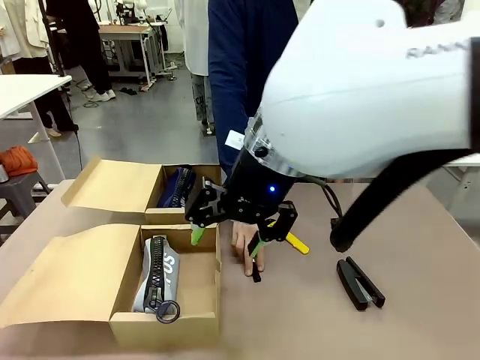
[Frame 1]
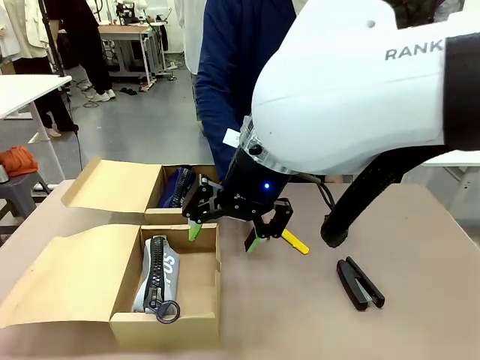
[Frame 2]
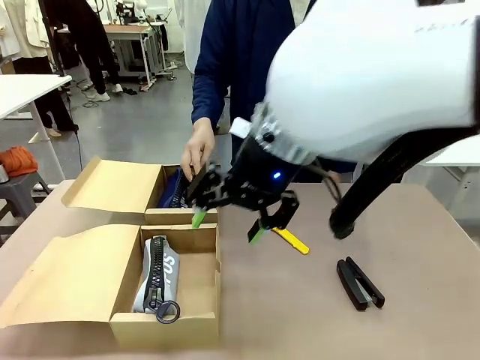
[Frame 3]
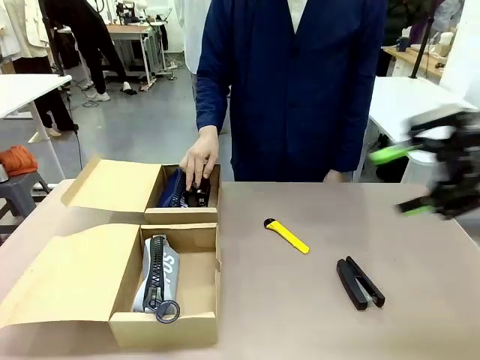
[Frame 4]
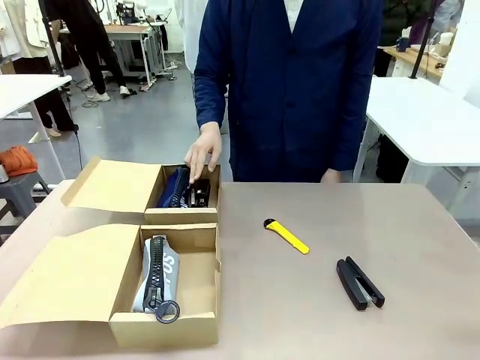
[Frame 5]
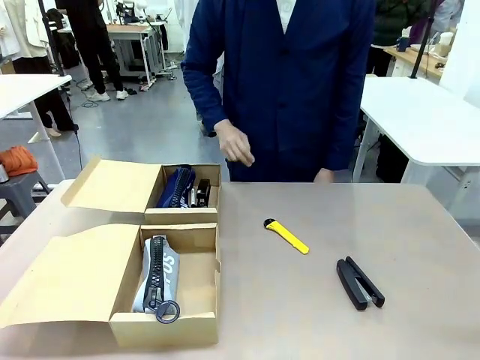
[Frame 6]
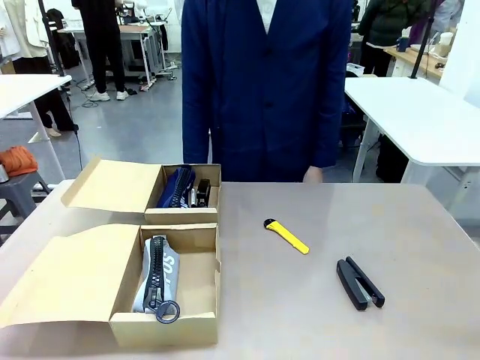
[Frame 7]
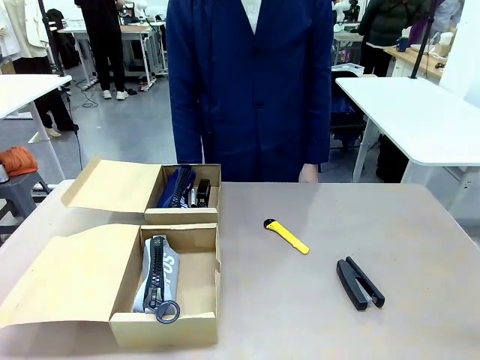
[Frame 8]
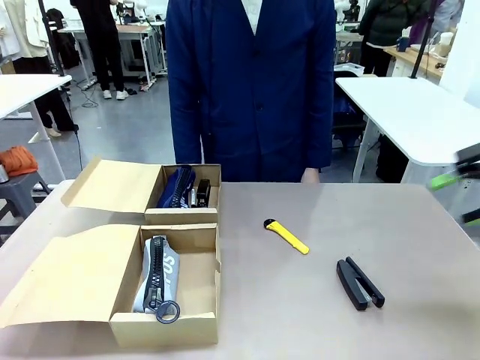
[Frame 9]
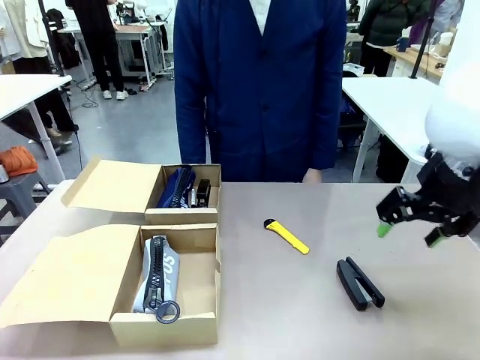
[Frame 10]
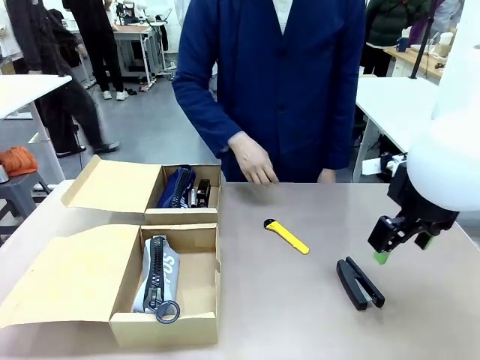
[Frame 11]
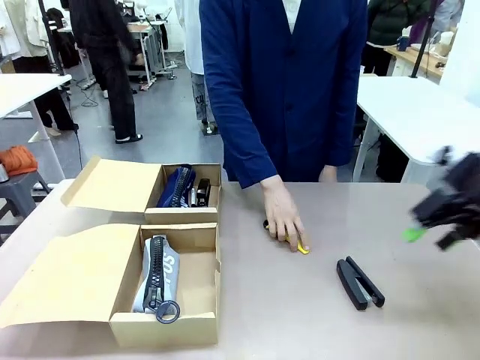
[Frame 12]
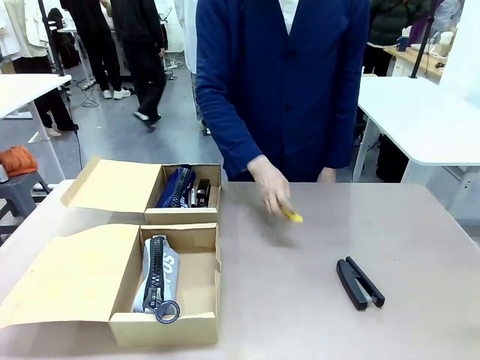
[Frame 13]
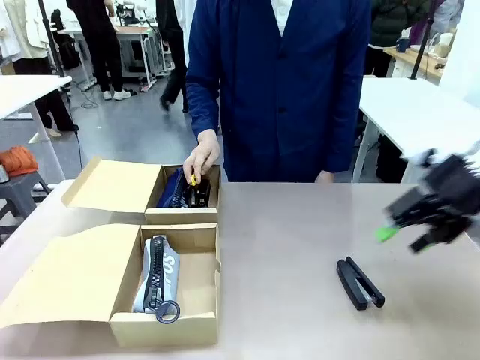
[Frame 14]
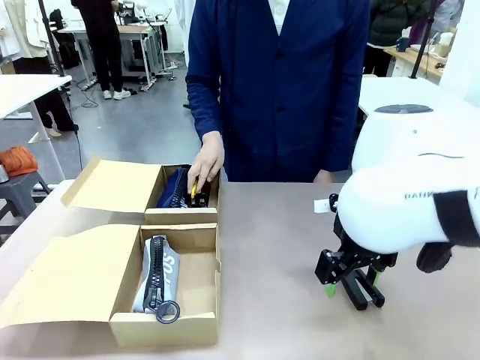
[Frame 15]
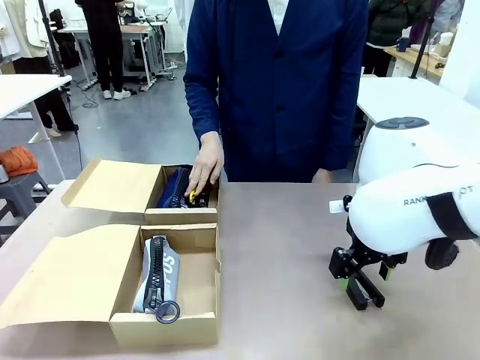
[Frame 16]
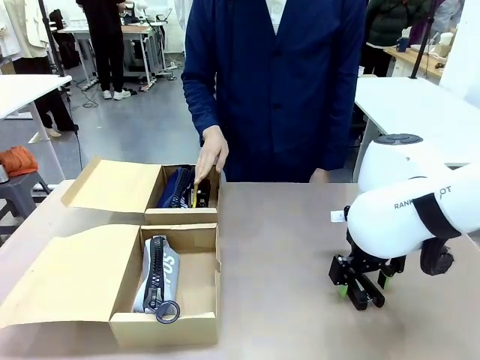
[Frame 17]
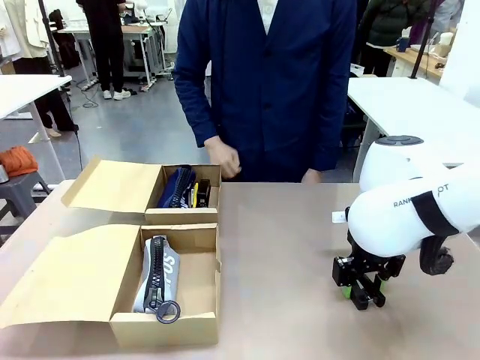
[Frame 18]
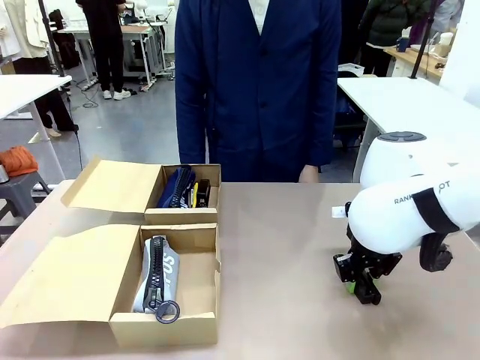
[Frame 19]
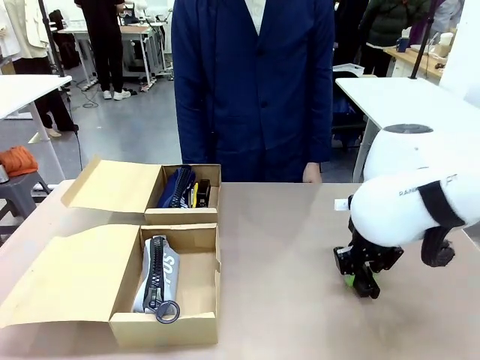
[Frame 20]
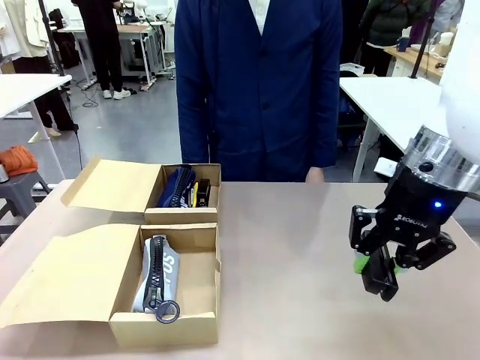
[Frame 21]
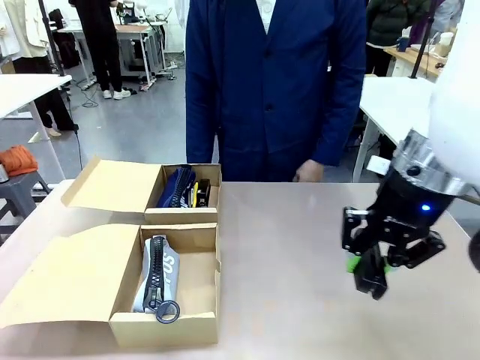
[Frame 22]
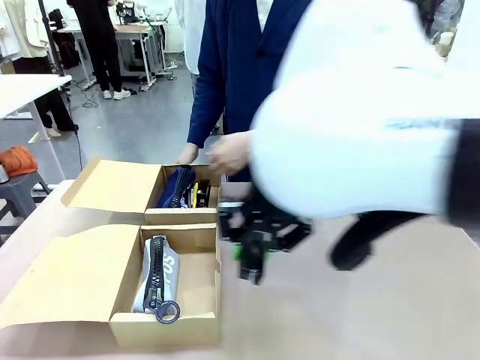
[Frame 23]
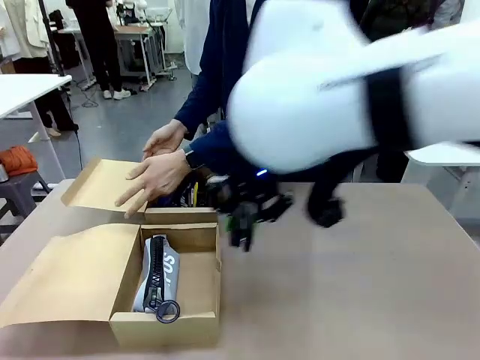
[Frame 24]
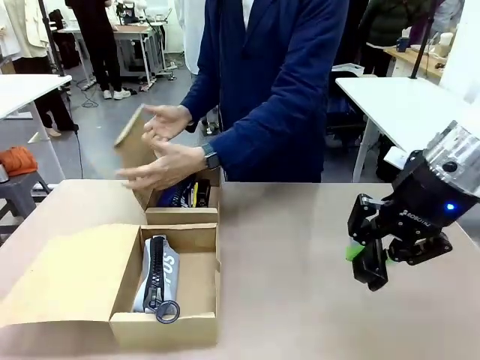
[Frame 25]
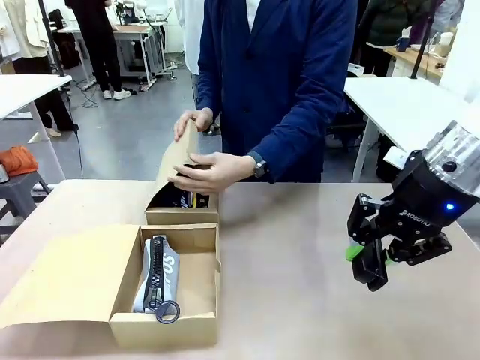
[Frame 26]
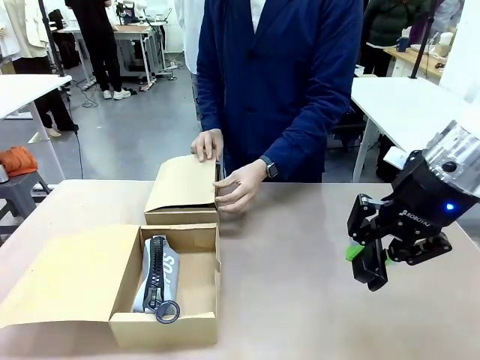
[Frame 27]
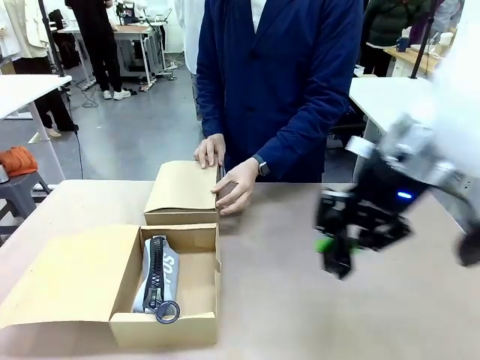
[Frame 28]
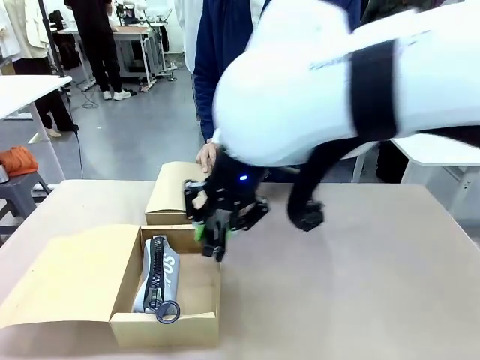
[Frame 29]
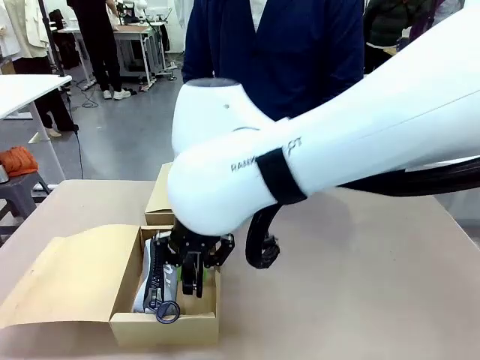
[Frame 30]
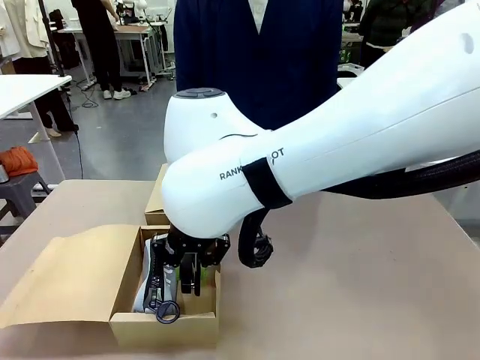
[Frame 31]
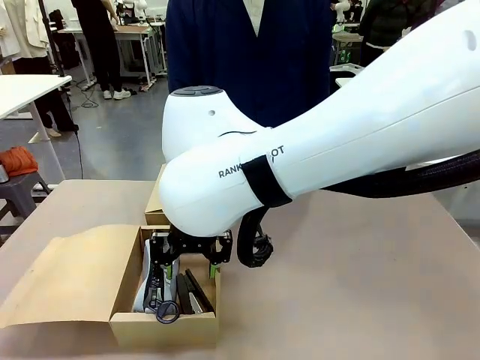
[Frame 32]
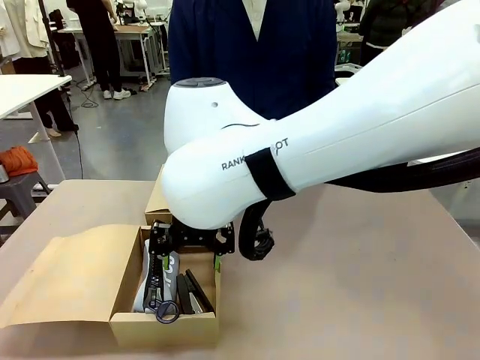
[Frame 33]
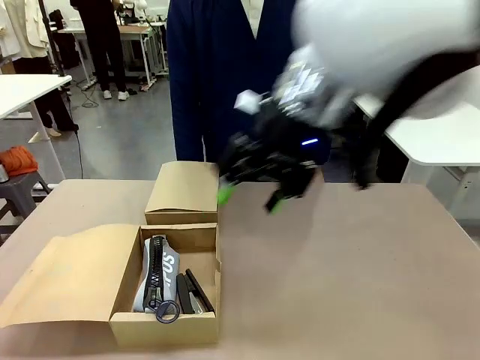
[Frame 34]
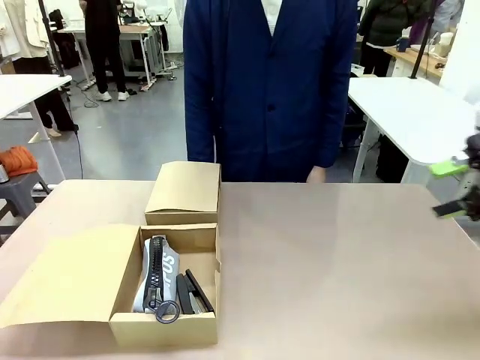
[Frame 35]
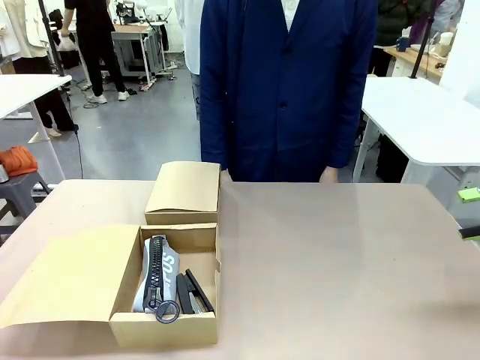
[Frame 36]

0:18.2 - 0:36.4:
Task: Place items inside the box.
Robot: Pick up a Pencil pouch or Stapler and place it inside the Mailer Box closest to the robot.

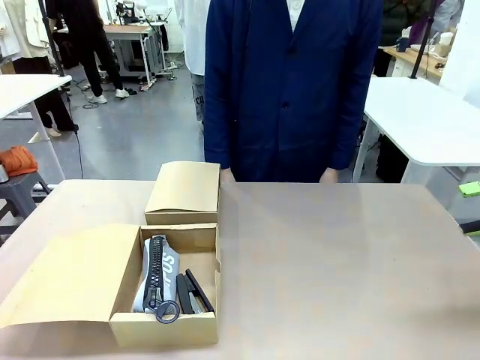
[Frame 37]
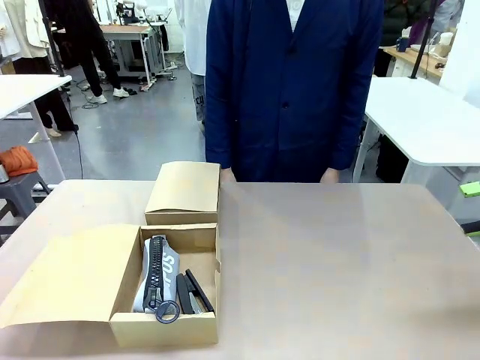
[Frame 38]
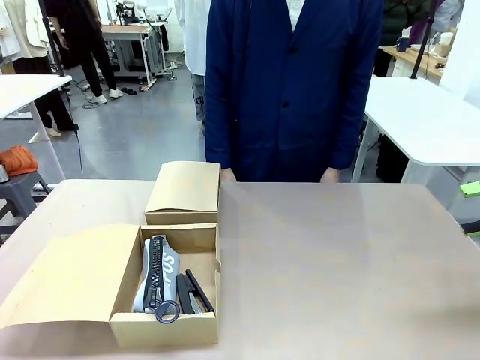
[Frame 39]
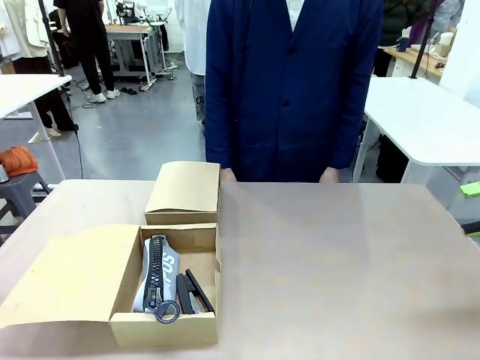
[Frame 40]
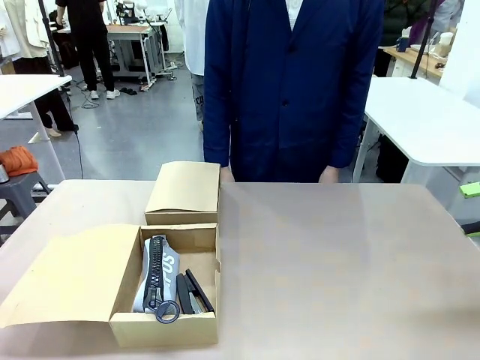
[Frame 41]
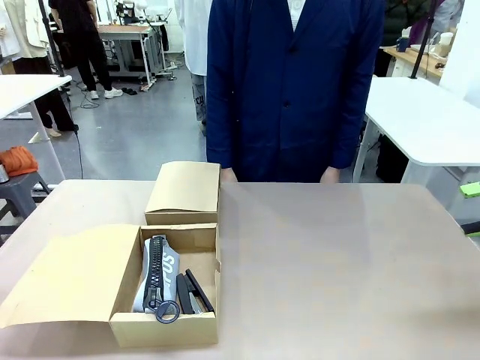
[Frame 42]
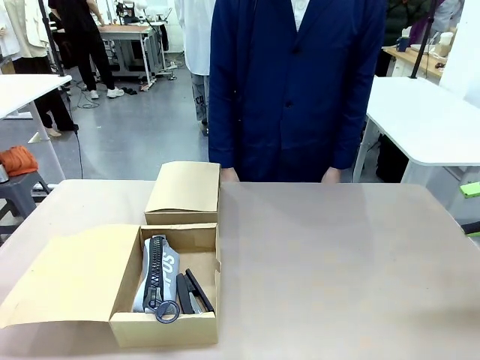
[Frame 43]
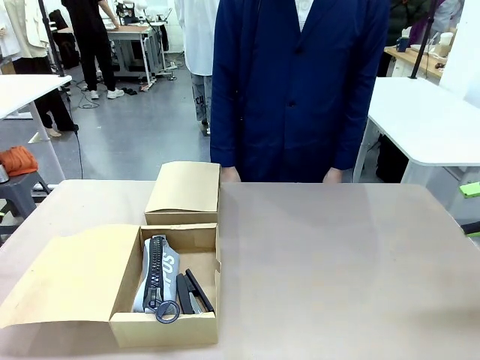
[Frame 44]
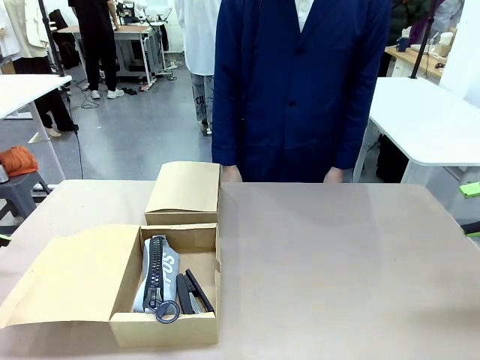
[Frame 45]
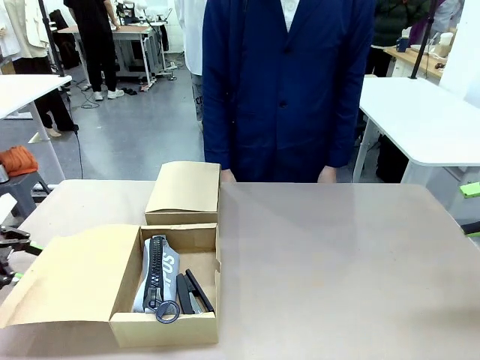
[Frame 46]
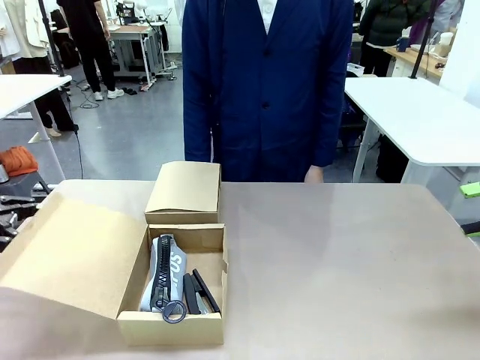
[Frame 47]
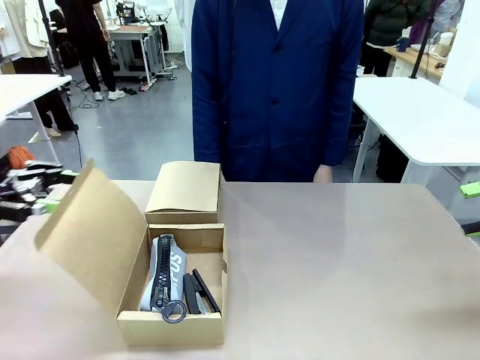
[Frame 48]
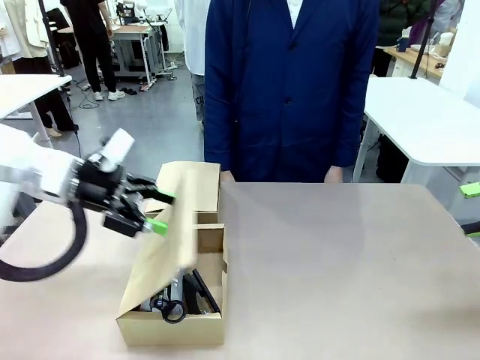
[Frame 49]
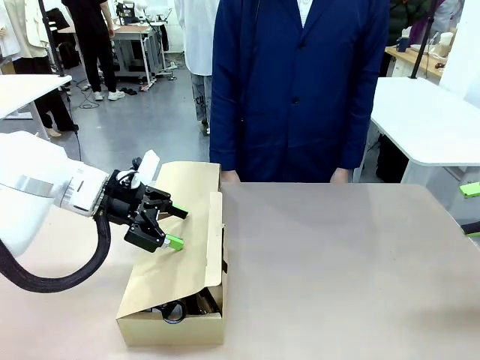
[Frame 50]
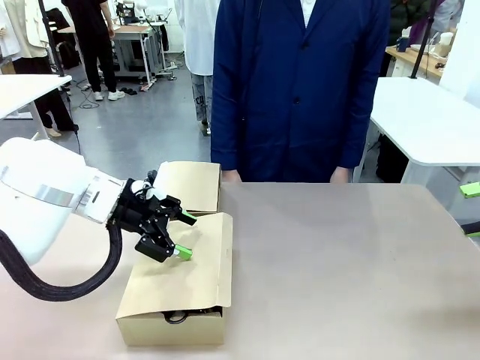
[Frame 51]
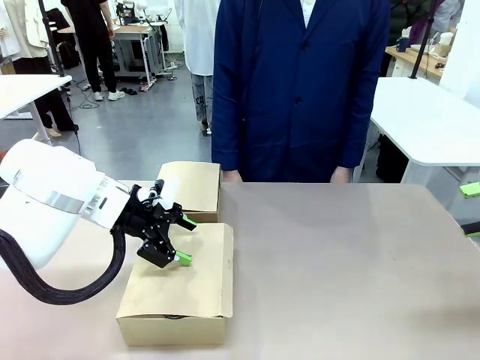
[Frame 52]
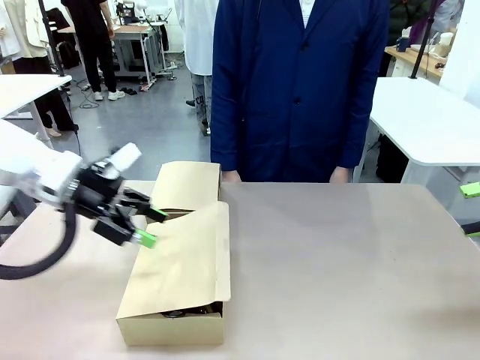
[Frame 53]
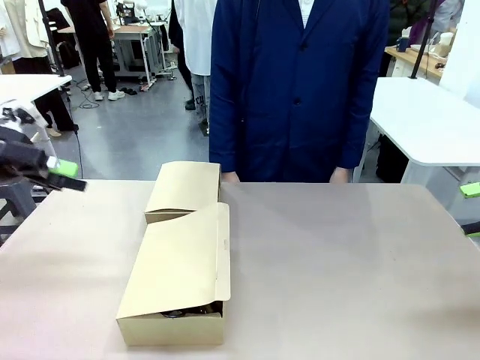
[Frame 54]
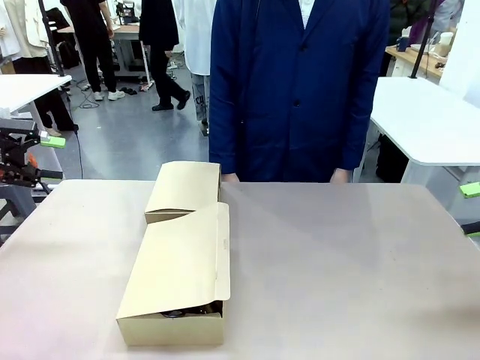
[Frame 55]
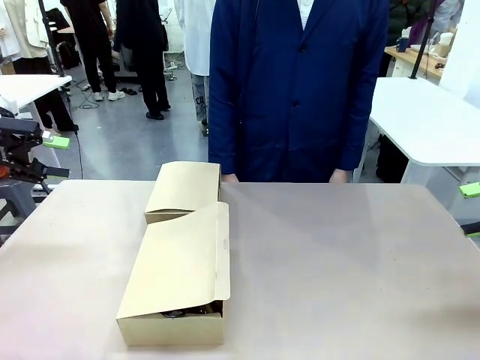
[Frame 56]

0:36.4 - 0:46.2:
Robot: Close the lid of the Mailer Box closest to the robot.
Person: Close the lid of the box facing the person.
